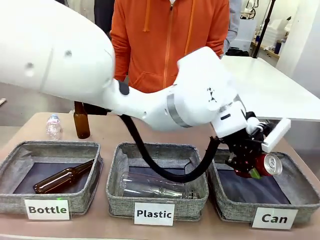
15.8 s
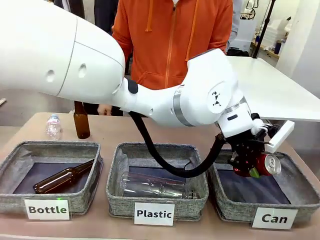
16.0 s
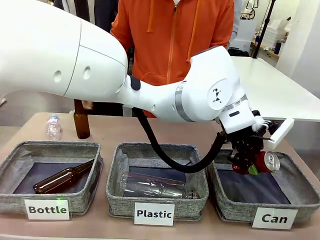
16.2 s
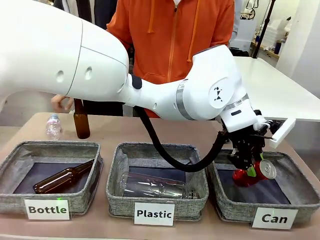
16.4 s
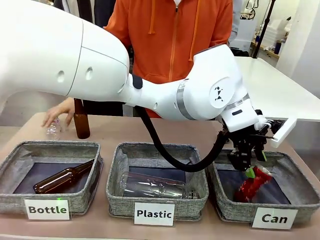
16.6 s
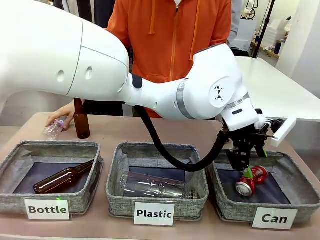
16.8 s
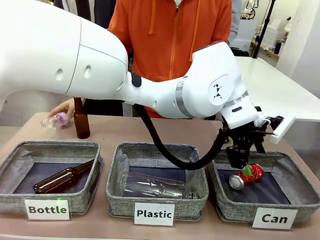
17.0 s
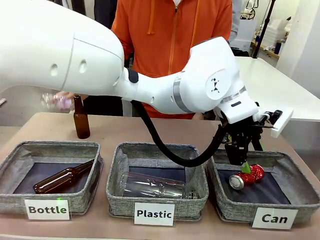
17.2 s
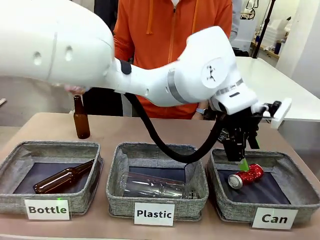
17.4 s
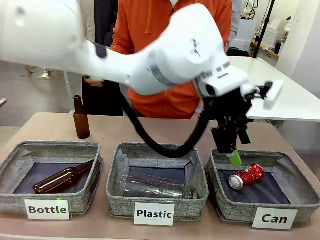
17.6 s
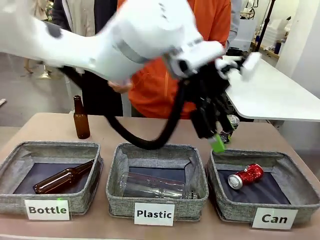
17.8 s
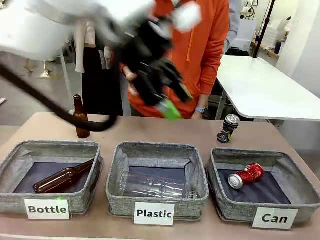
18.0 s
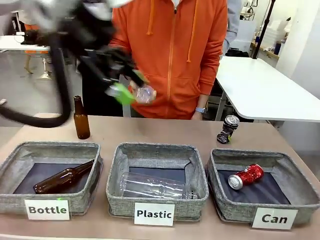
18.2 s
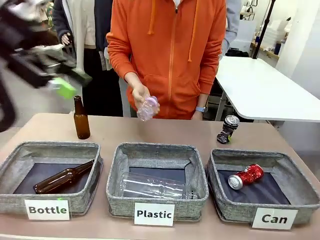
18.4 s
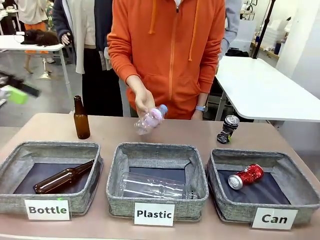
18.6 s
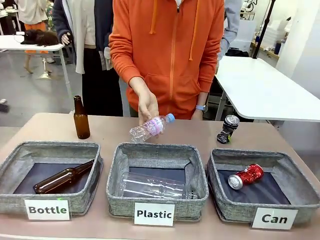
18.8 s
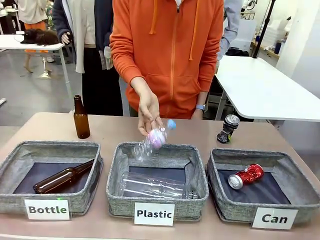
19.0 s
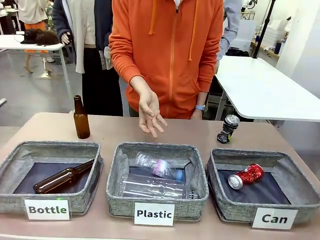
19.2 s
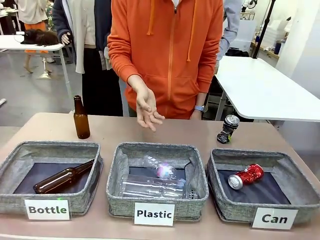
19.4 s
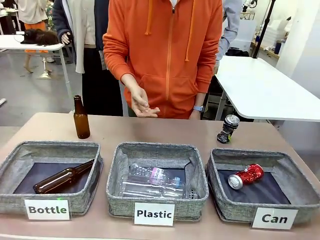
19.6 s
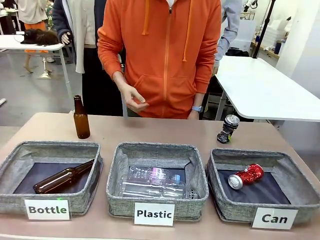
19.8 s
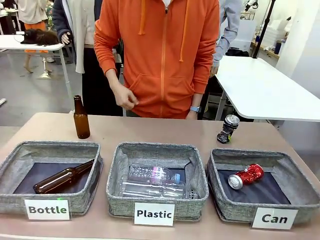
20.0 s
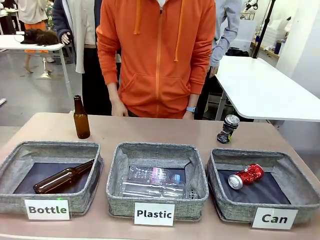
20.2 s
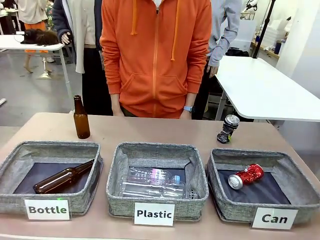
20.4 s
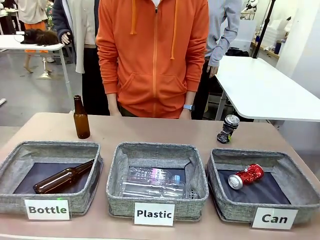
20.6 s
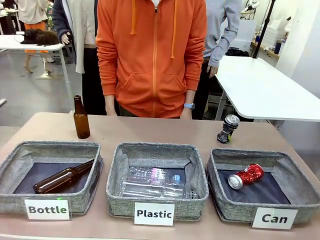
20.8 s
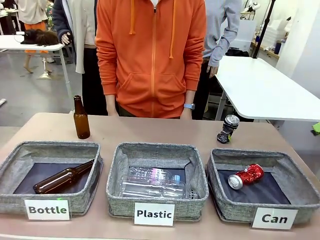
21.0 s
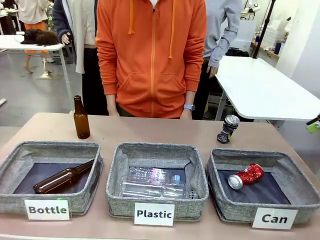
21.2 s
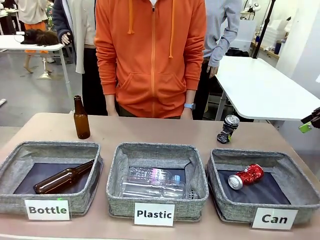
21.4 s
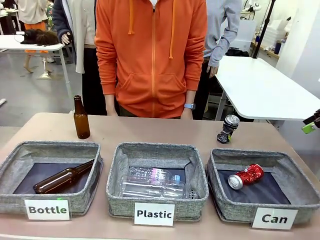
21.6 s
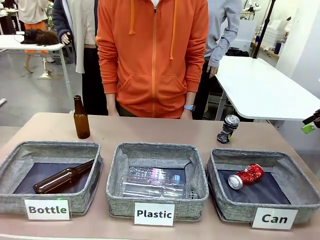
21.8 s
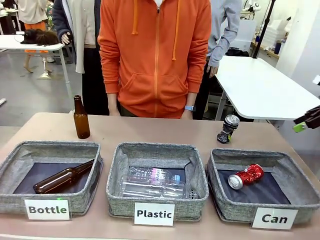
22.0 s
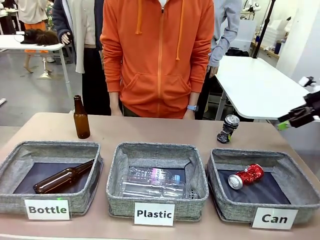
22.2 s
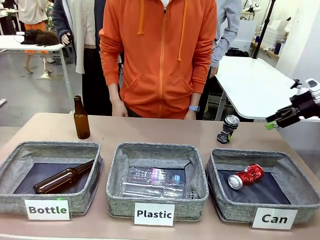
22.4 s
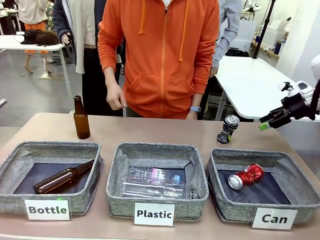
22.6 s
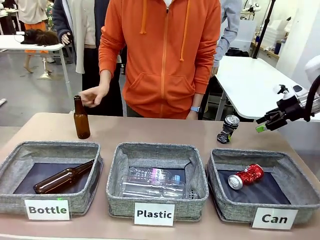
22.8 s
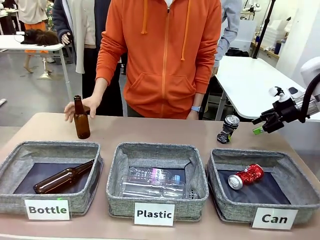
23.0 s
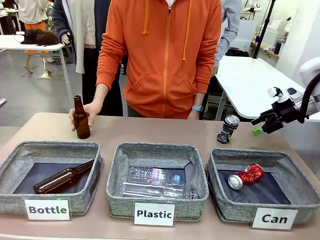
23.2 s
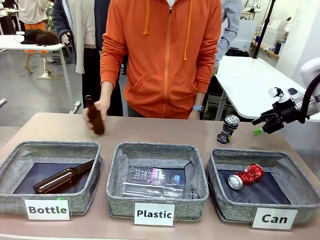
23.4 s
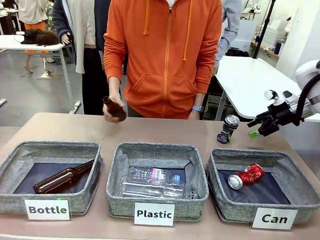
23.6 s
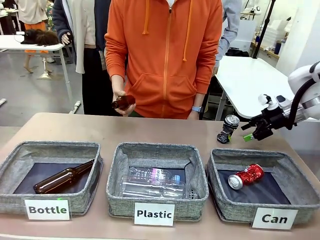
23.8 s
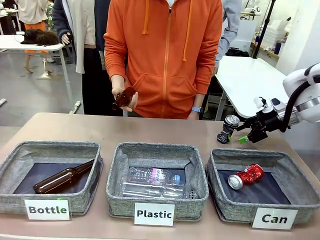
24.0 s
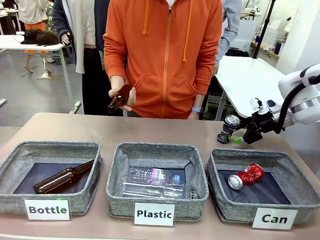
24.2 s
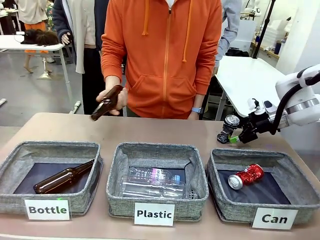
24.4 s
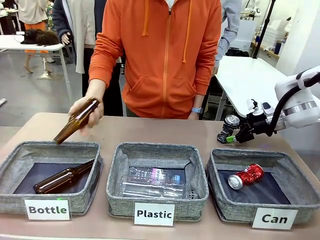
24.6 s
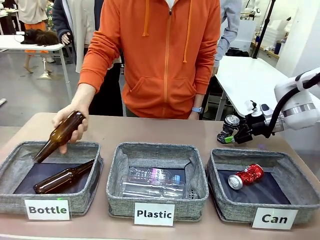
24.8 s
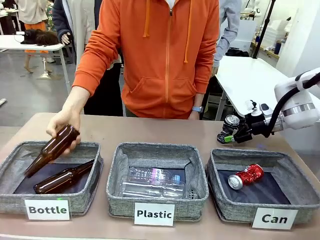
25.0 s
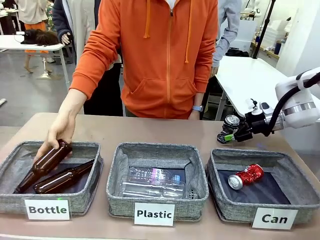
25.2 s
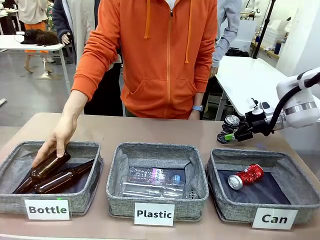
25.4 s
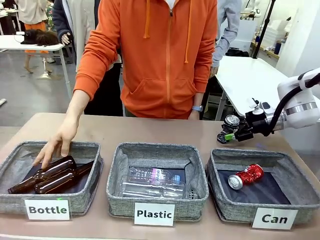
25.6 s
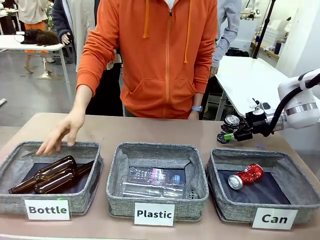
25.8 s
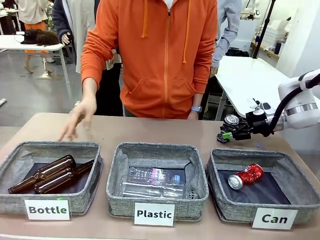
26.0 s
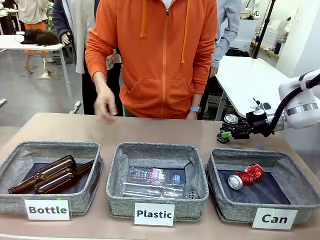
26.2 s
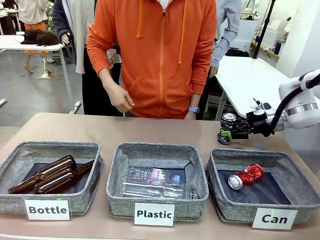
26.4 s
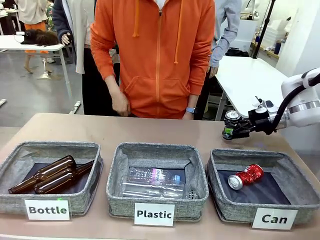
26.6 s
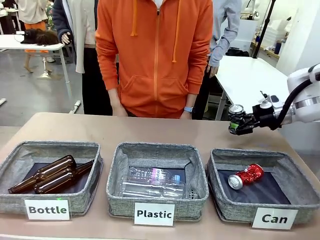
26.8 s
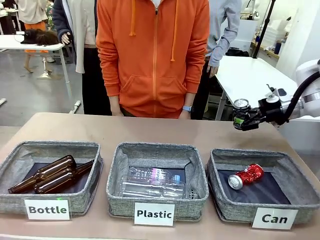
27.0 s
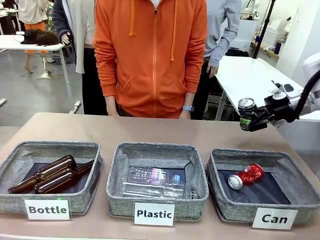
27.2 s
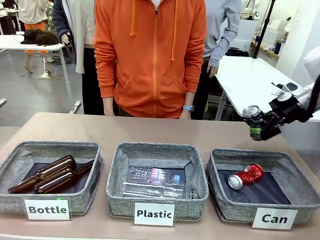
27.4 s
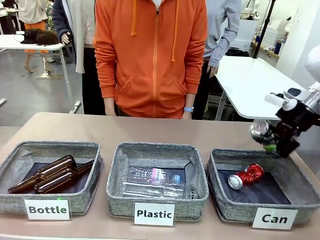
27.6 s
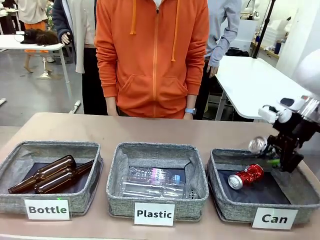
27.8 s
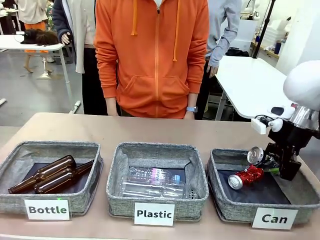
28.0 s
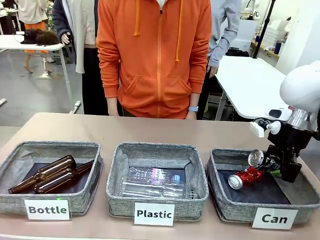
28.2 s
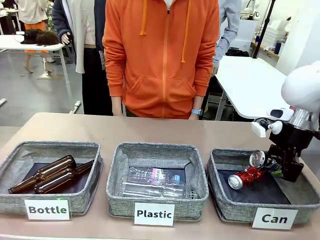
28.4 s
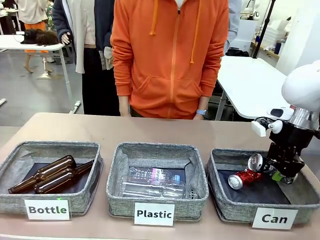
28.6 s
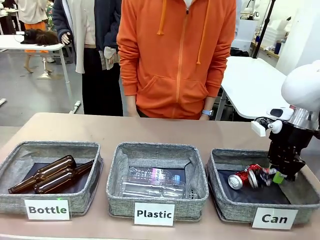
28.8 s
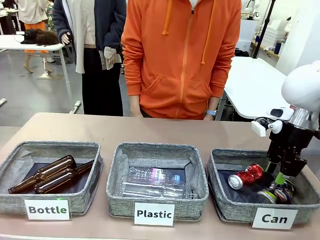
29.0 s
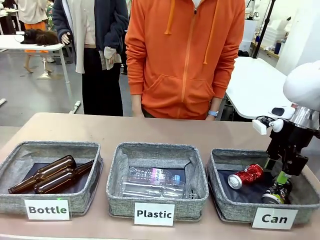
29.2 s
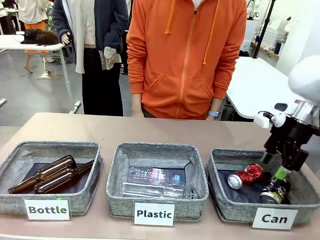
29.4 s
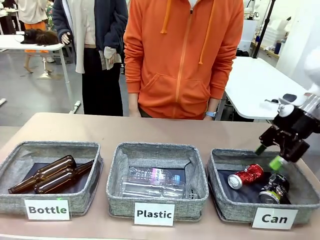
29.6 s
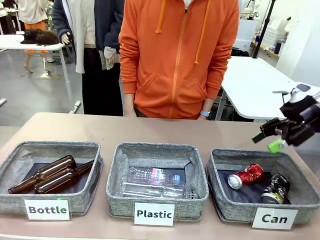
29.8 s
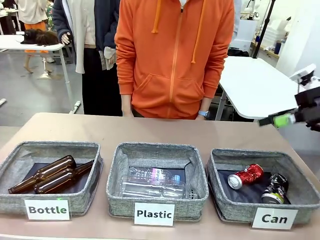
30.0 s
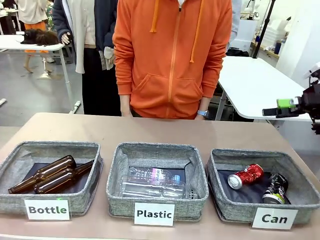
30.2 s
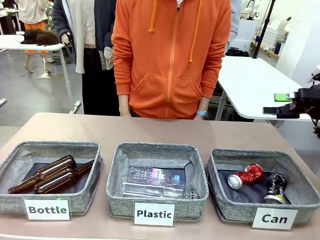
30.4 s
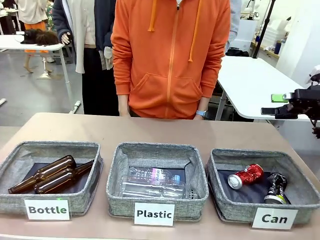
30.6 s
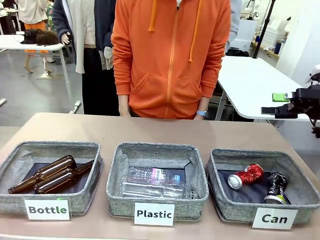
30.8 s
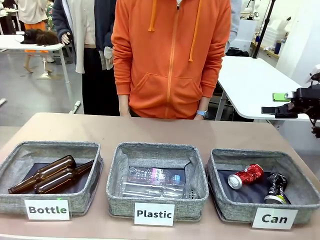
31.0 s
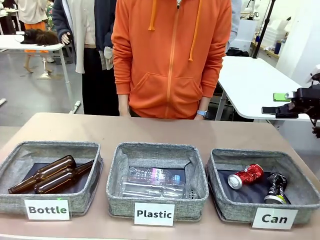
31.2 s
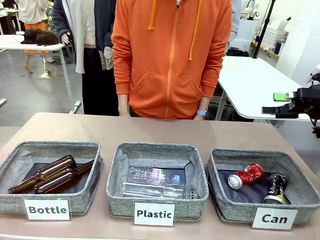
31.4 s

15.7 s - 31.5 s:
Task: Sort the can waste into the basket.
Robot: Pick up the can waste from the table and place it in the right Fabric basket.
Person: The human picks up one piece of trash that is not a can and places the trash into the appropriate organizing basket.
